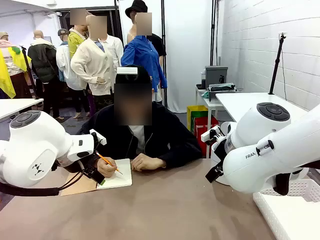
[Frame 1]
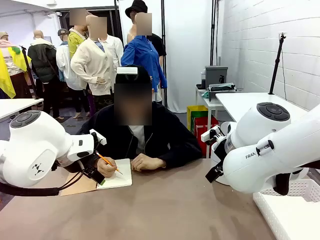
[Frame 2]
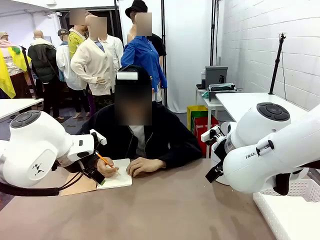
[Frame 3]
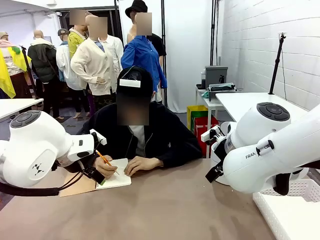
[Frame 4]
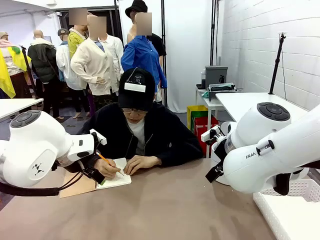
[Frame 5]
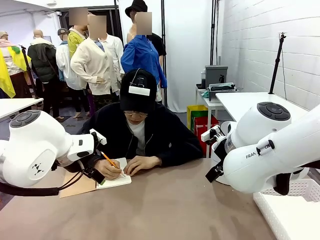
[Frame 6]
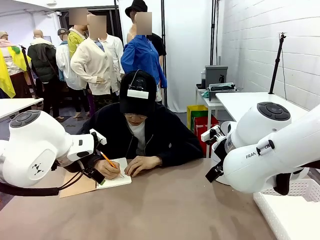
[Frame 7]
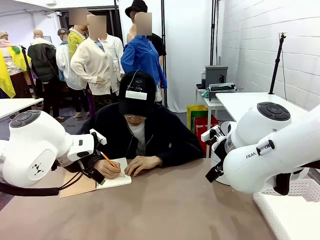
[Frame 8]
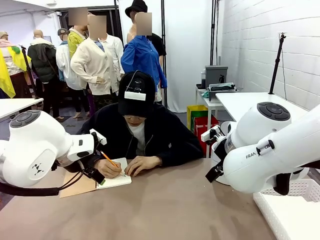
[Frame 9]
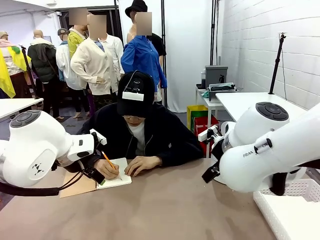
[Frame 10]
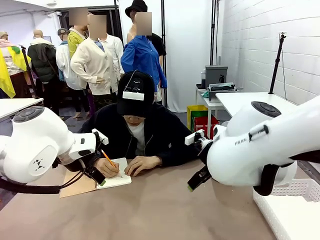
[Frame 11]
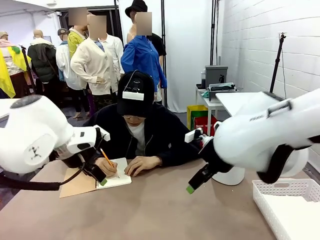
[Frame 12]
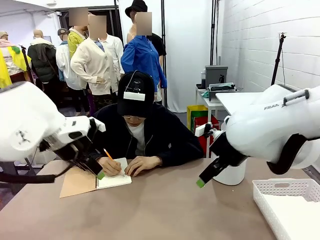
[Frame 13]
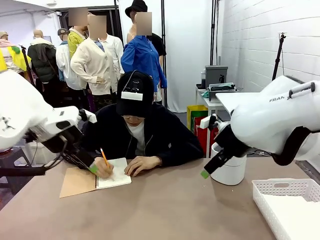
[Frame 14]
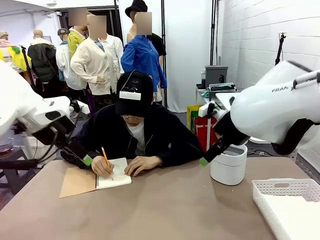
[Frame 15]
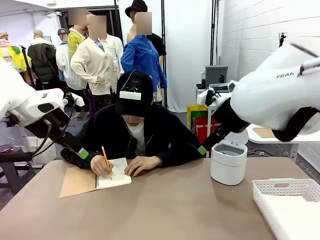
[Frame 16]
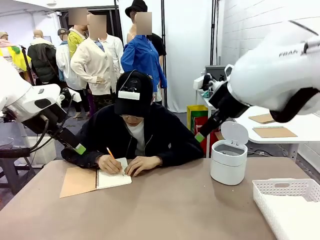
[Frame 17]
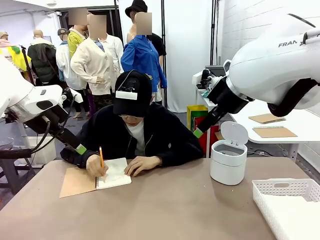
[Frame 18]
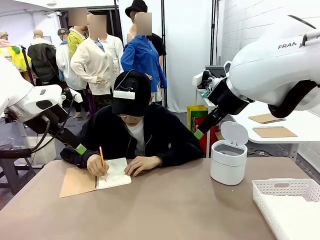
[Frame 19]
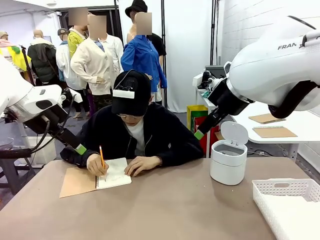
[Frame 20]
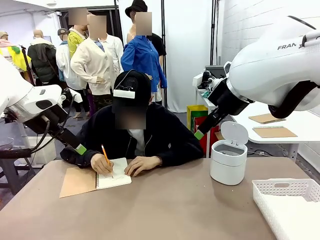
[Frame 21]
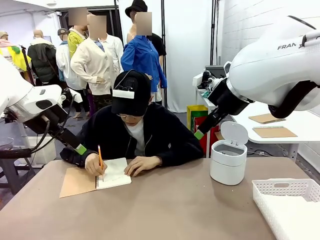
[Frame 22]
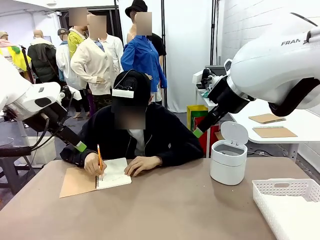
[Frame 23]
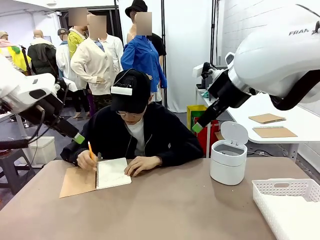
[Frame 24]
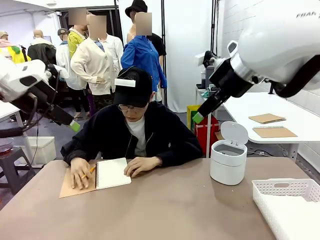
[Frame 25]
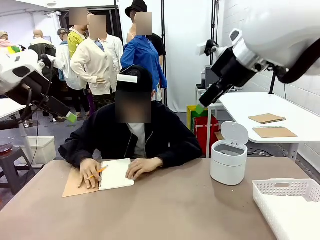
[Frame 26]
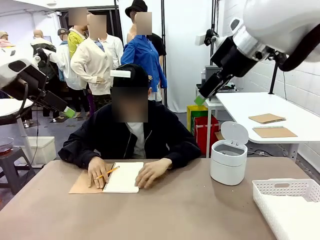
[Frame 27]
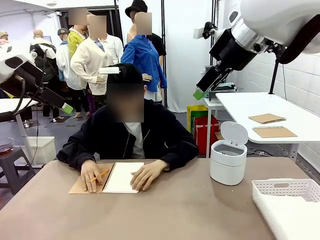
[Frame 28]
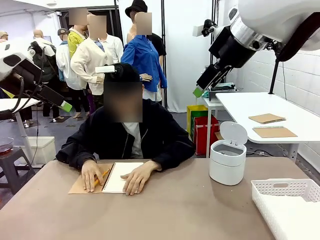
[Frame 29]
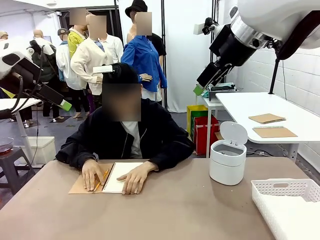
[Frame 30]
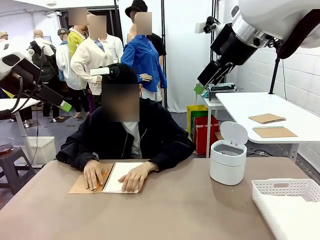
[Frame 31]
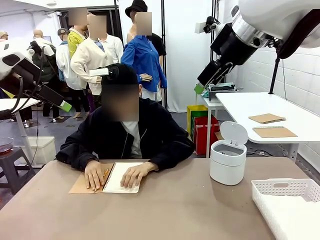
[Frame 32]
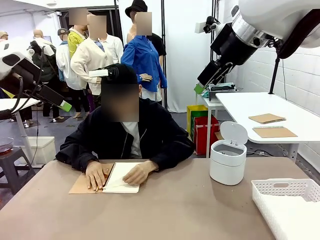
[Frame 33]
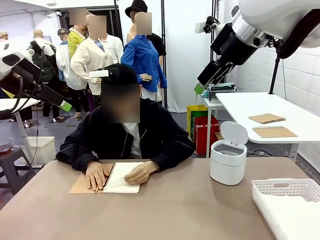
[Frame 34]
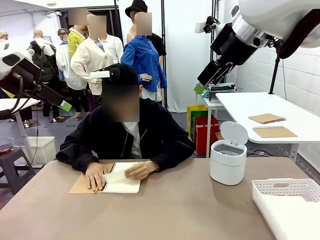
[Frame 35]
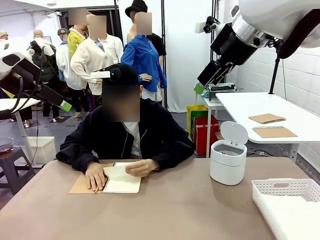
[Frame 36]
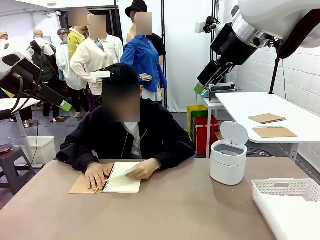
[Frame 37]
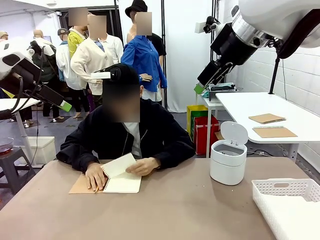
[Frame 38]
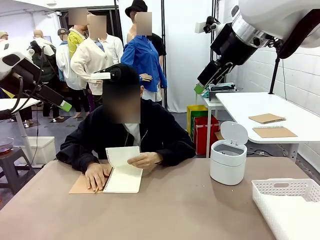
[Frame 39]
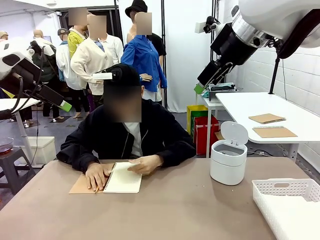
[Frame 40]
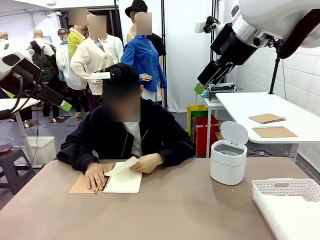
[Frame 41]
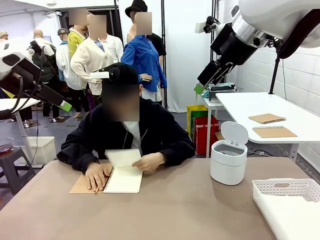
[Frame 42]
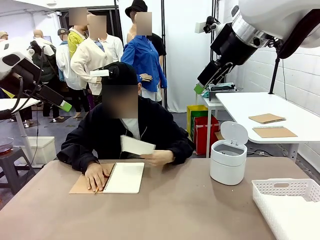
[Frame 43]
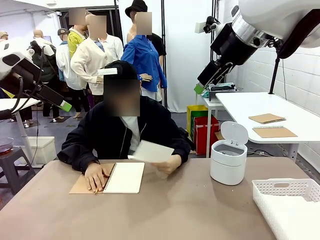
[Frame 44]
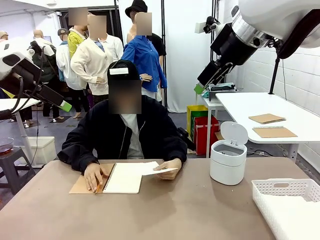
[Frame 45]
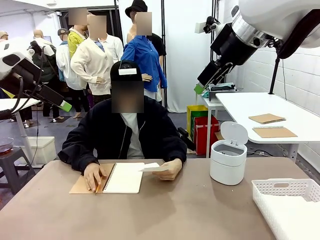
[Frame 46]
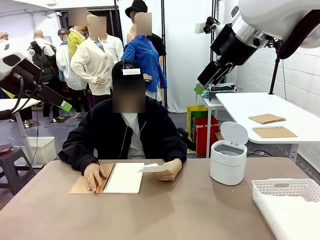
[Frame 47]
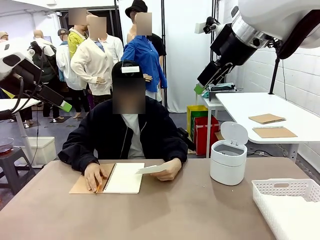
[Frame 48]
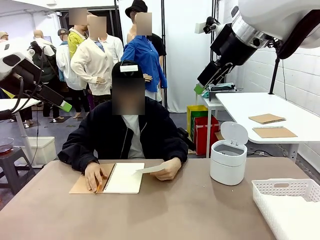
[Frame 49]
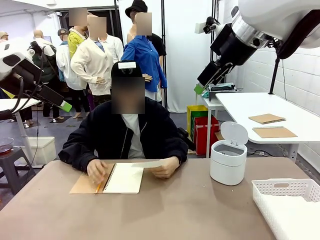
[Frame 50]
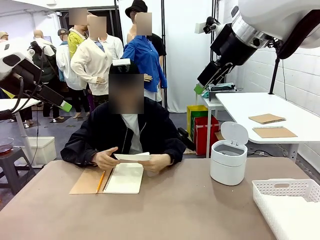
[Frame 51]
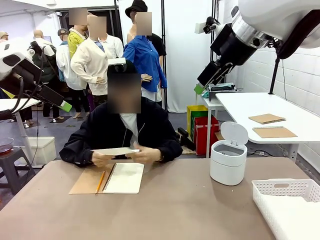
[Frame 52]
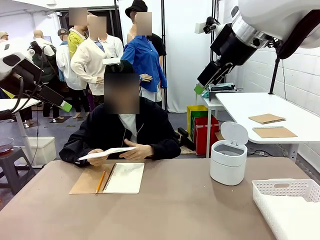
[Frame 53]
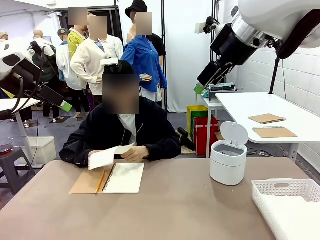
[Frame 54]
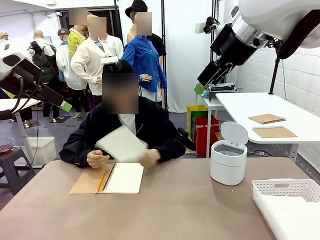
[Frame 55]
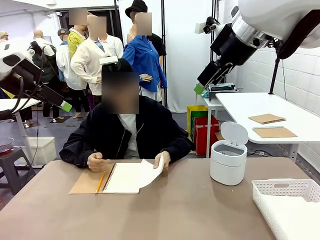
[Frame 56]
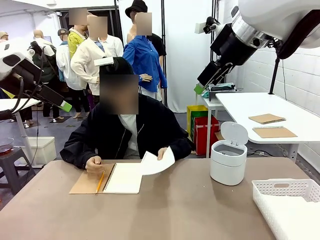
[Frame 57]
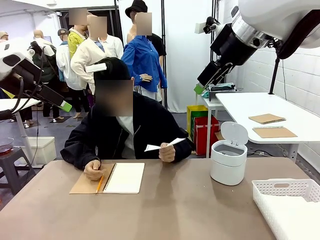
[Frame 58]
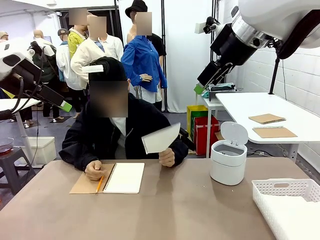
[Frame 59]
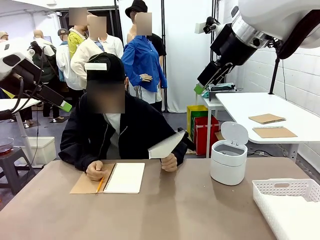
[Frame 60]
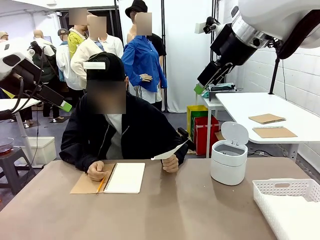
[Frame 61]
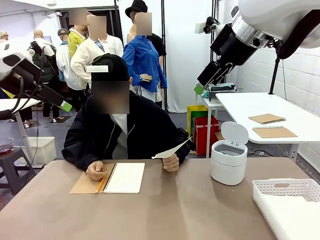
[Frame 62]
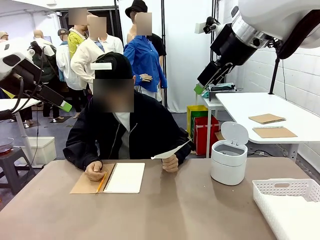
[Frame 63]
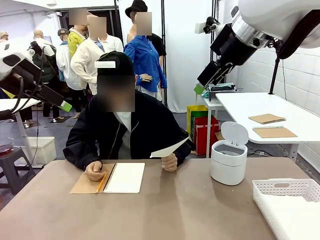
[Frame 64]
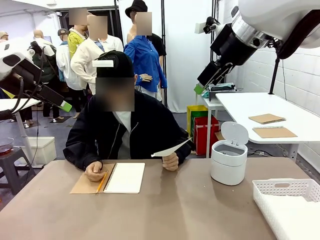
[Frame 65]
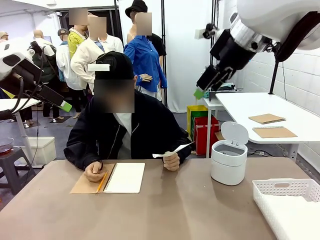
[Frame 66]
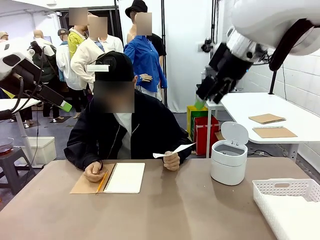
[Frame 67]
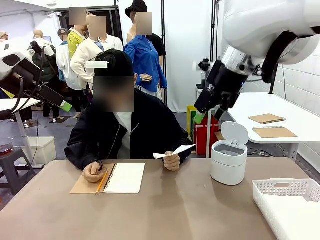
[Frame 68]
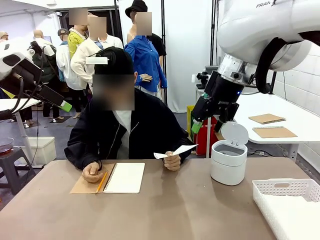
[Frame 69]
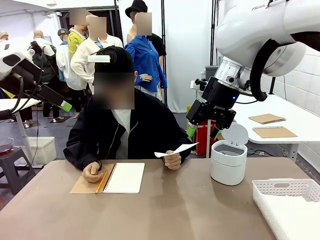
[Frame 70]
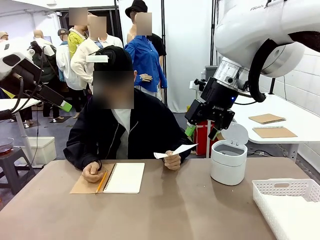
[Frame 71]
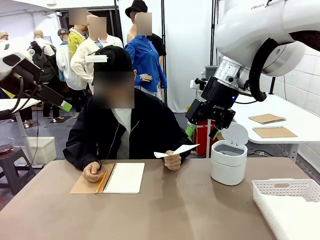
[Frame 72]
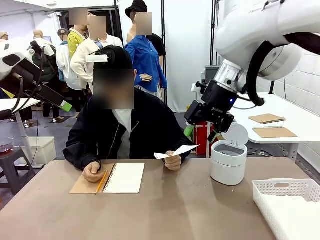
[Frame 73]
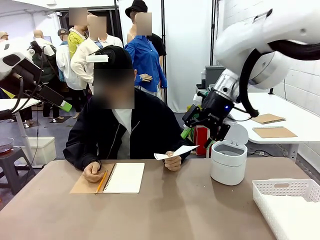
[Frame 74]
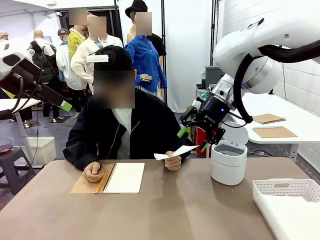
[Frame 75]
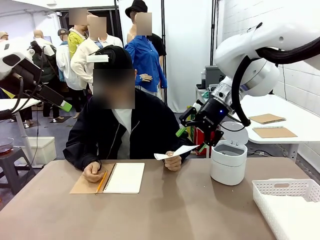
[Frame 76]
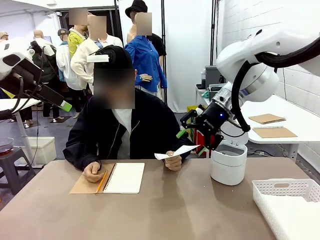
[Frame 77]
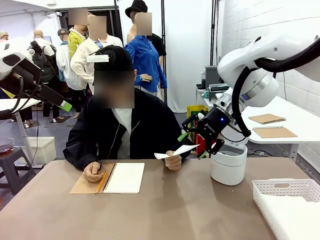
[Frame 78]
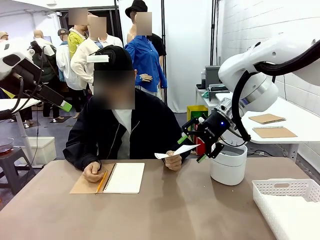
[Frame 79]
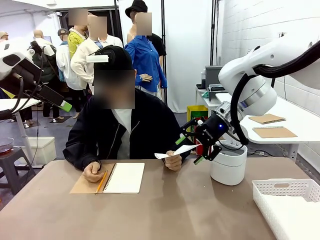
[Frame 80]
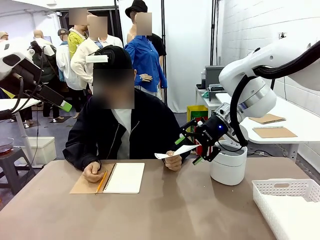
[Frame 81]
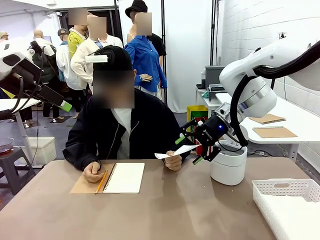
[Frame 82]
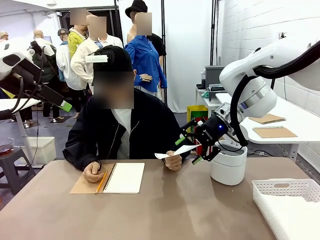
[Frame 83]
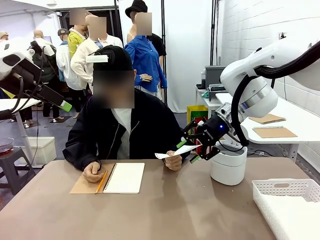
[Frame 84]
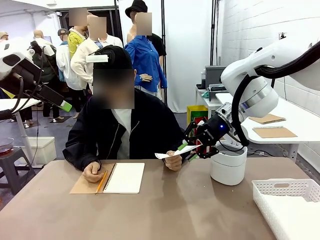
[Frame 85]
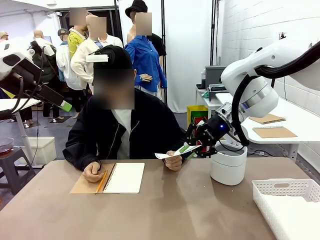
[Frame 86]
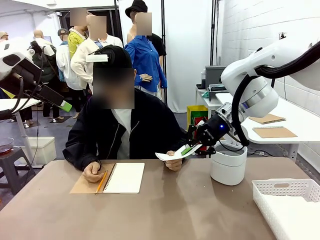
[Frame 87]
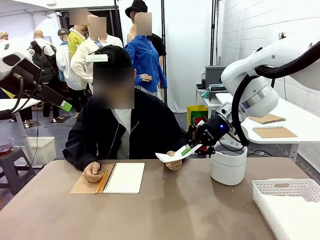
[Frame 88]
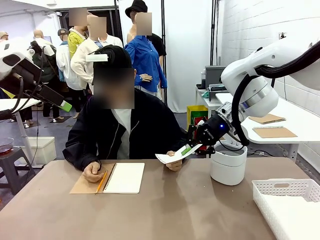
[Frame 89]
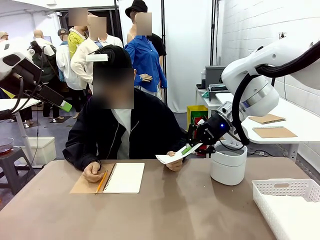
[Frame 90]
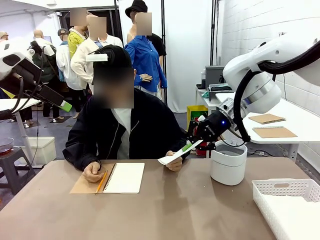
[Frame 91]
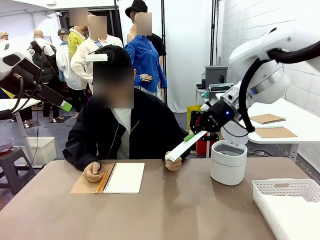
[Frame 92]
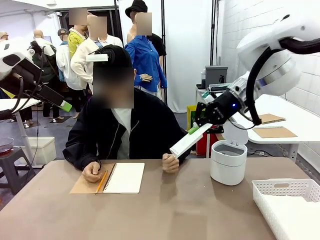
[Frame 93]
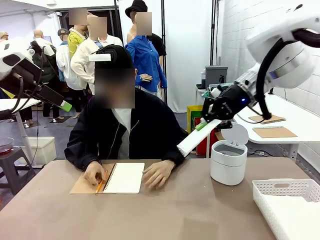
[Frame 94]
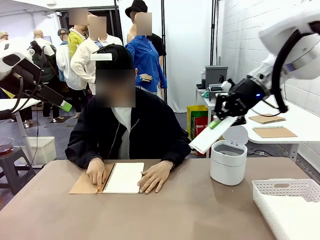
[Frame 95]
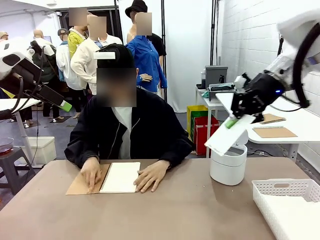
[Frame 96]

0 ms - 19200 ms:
Task: Sort the paper based on its condition.
Robot: If a person hands you a paper, place it in the Organizing basket , and if it's crumpled, put it in the Trash can.
Person: Tear out a page from the spiral notebook. Hand the torn page to the robot or crumple it and throw it to the center of the table.
